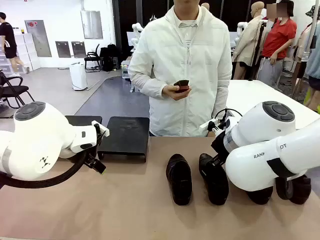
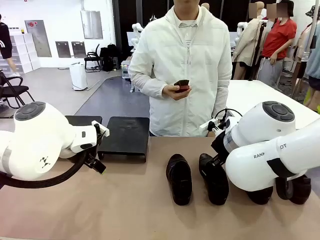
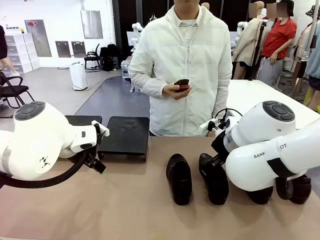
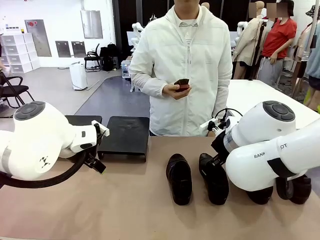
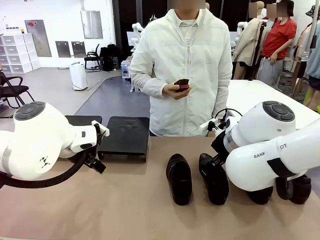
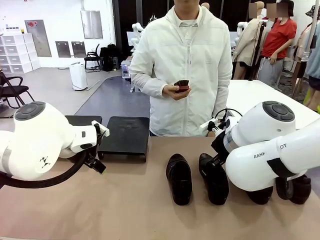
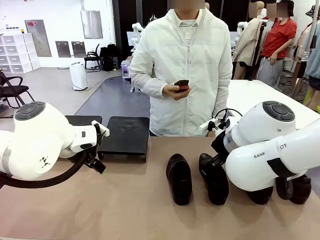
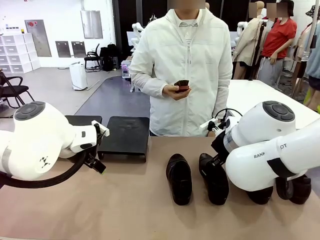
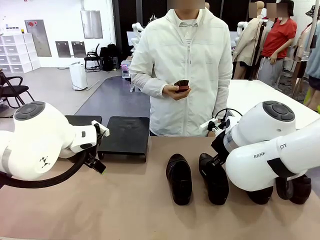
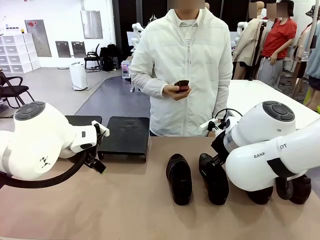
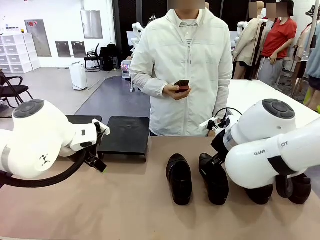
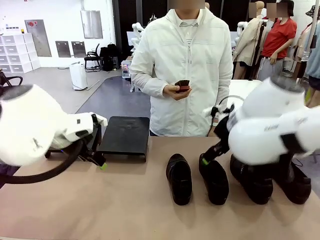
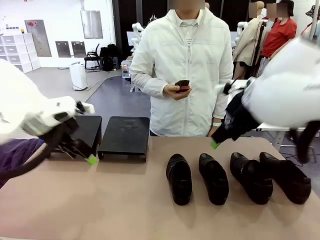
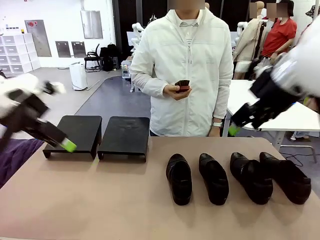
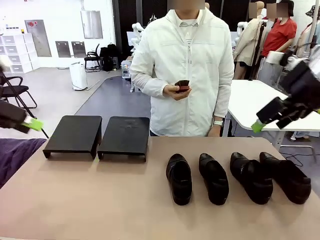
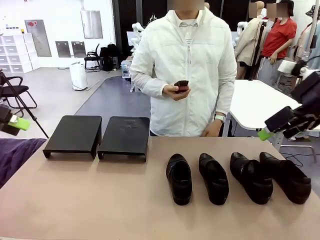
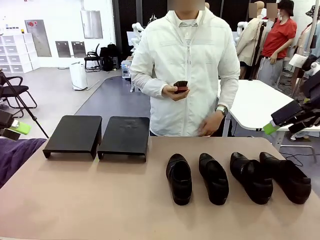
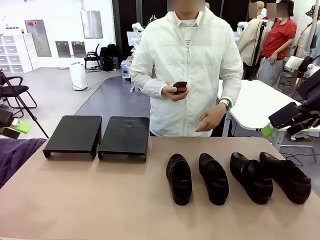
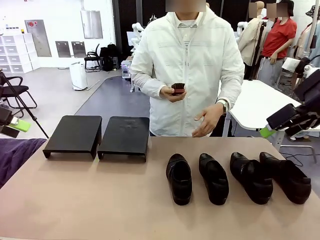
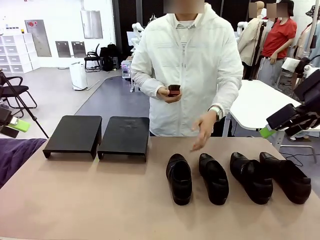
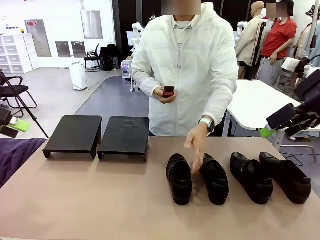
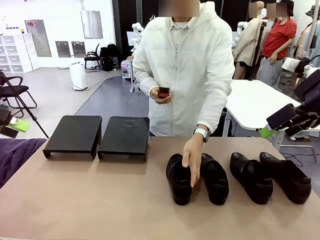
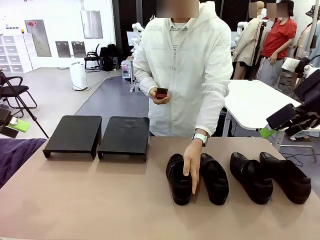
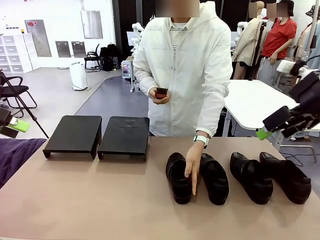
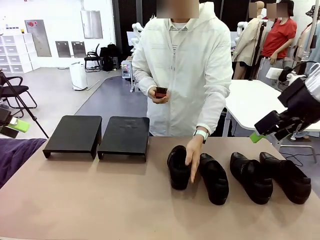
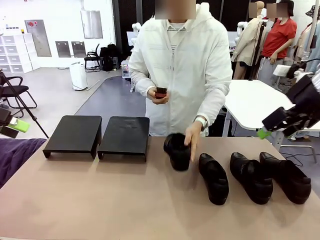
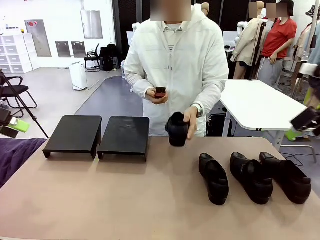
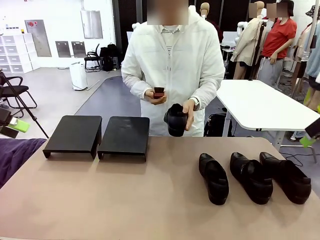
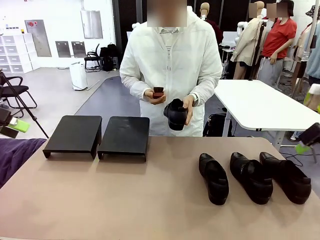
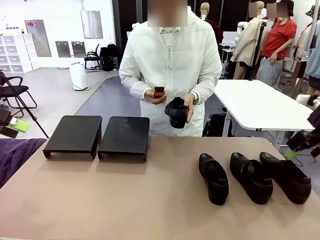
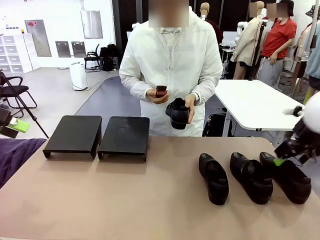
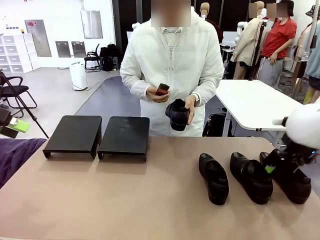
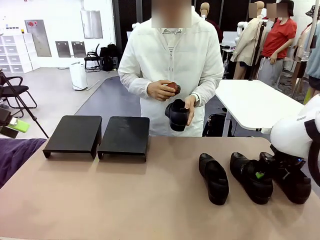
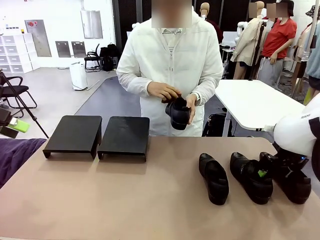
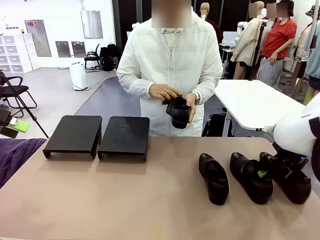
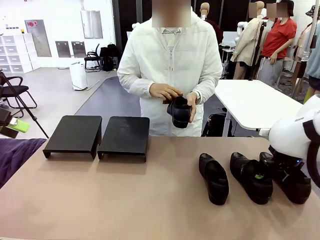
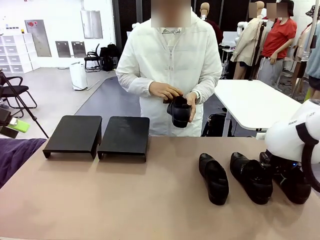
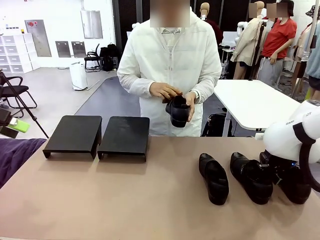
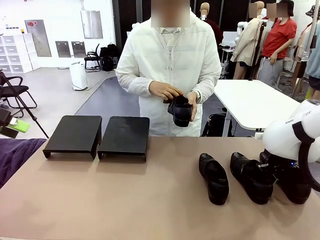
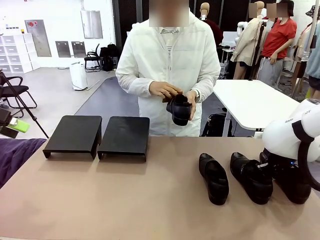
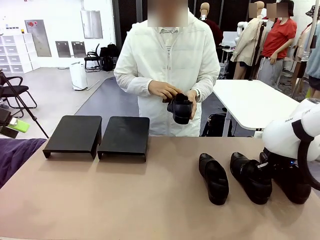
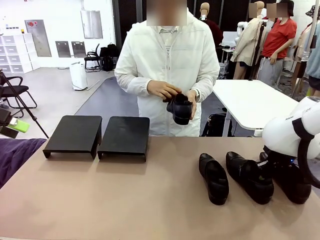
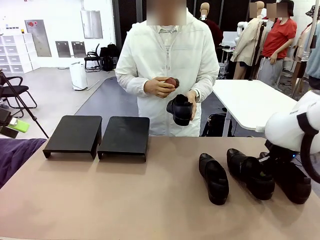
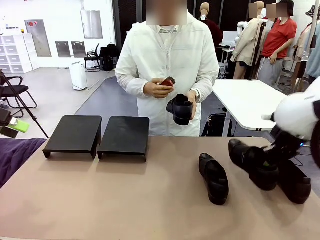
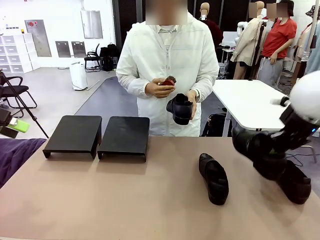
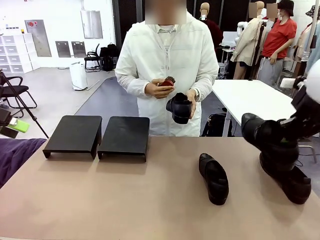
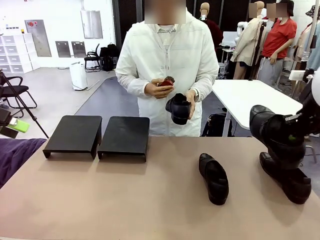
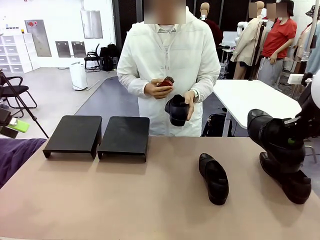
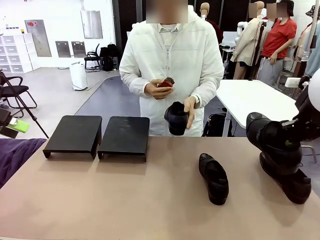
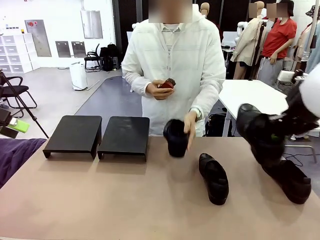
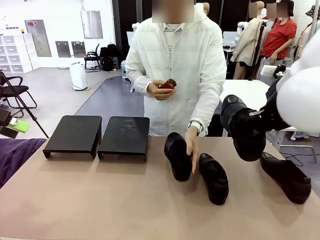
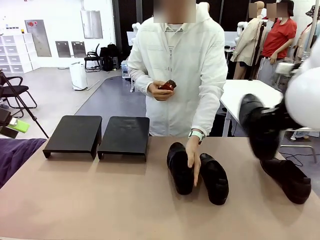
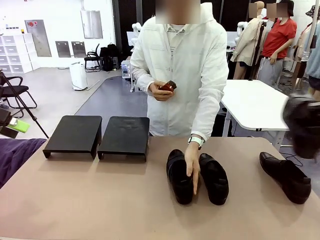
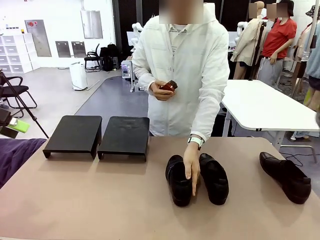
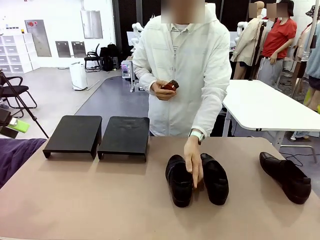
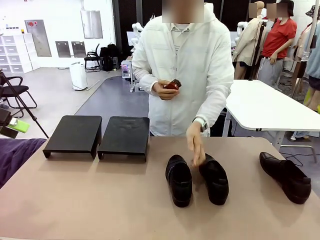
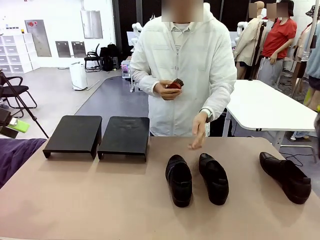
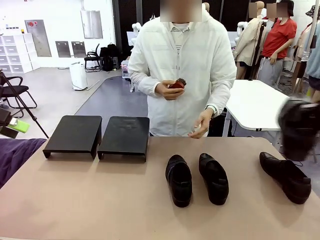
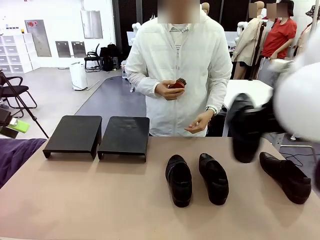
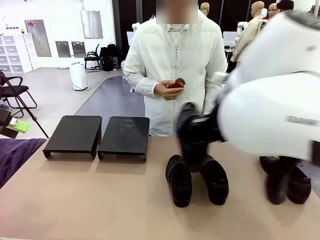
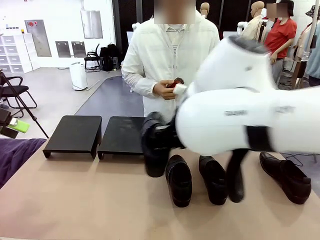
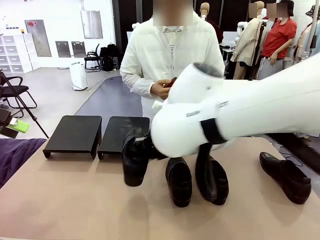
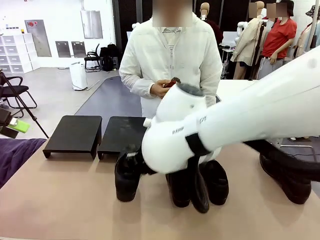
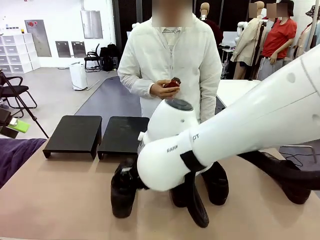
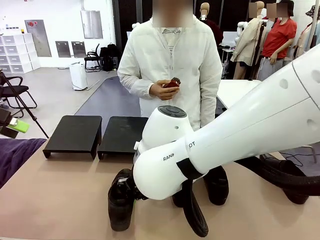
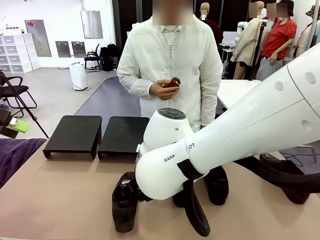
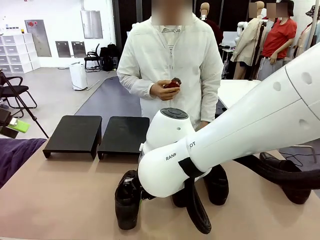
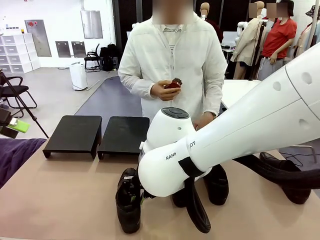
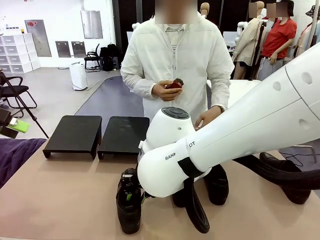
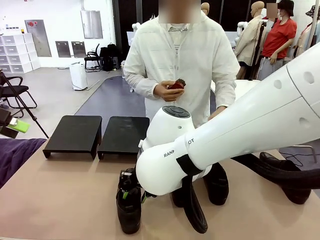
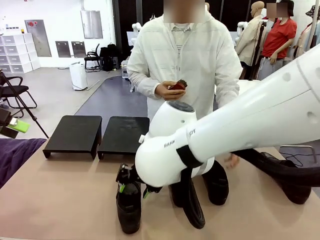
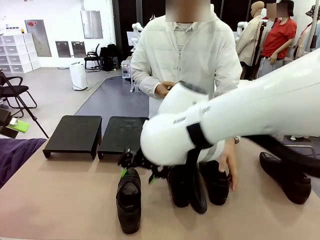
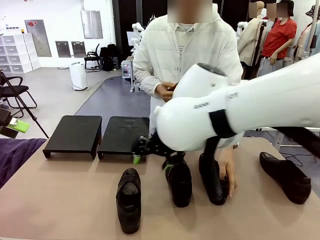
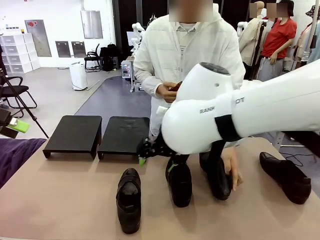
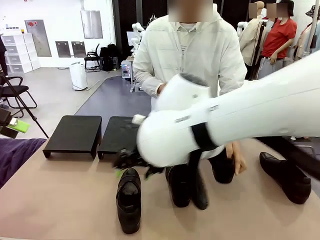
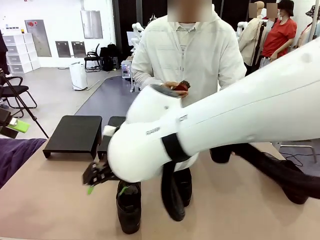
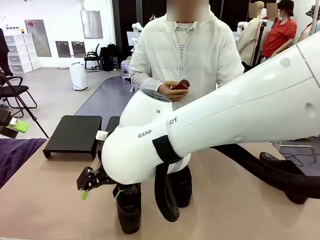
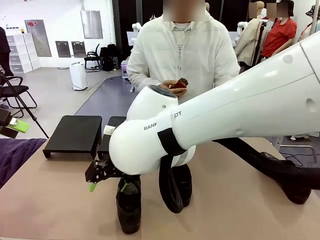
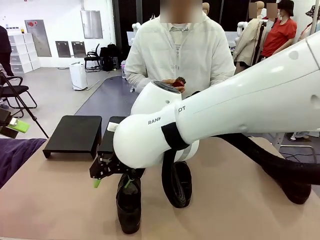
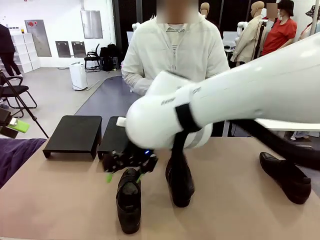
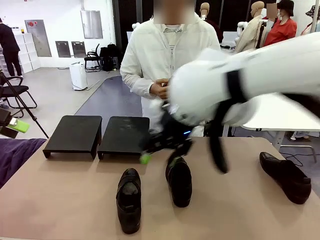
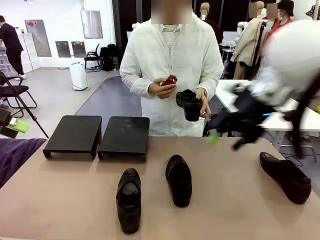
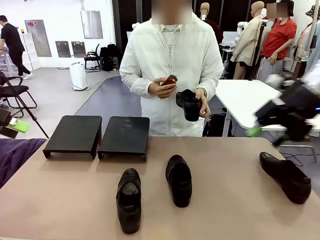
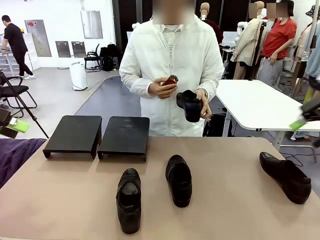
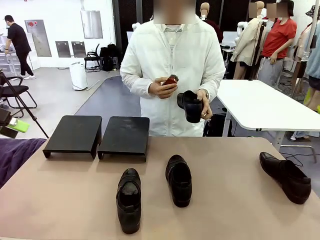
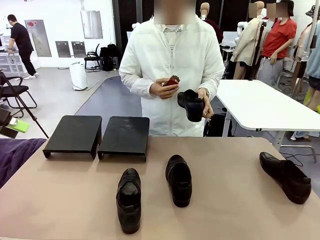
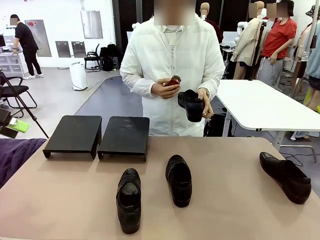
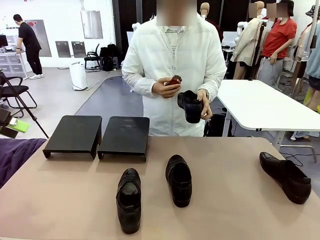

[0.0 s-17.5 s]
Task: Organize the shoes by placing them on the stand.
Robot: Pick up one Shoe and place it in the middle of the table.
Person: Pick one Shoe on Robot's table. Clean the Shoe with the Shoe Brush. Place the Shoe on left side of the Robot's table. Pick one Shoe on Robot's table.
